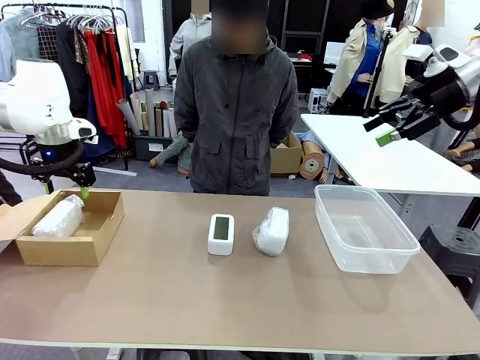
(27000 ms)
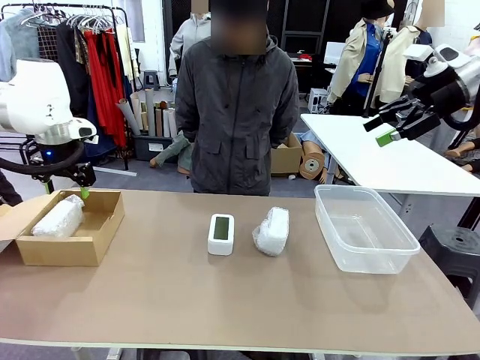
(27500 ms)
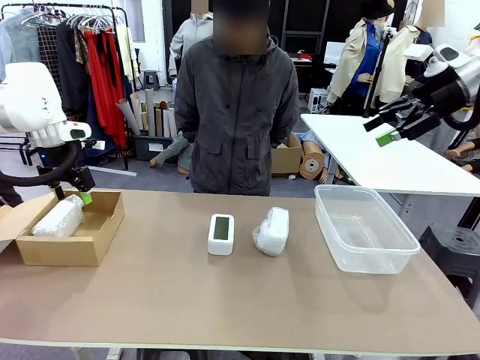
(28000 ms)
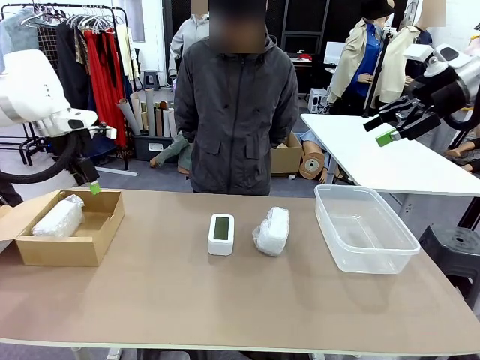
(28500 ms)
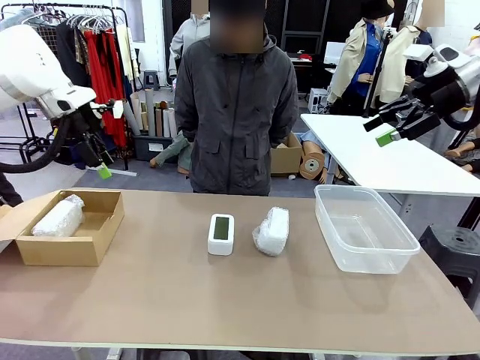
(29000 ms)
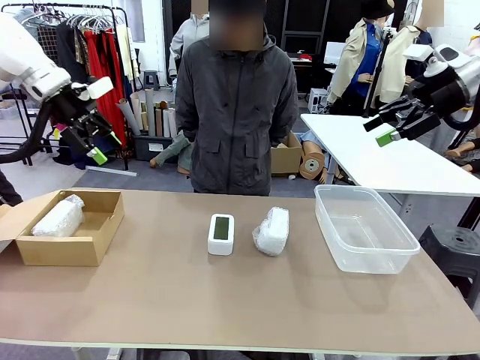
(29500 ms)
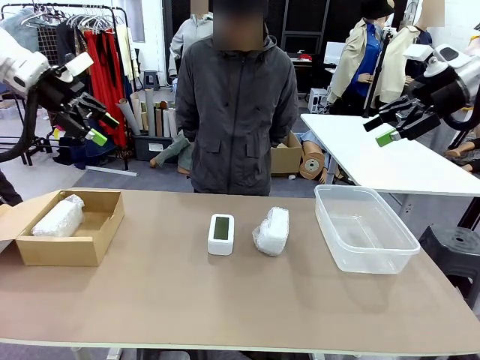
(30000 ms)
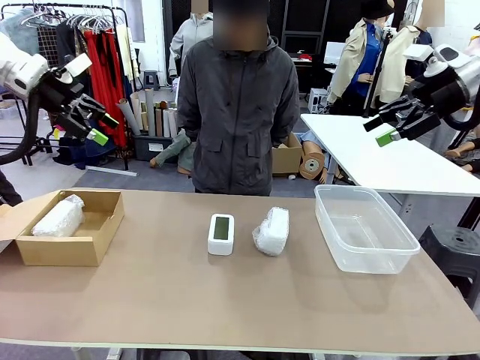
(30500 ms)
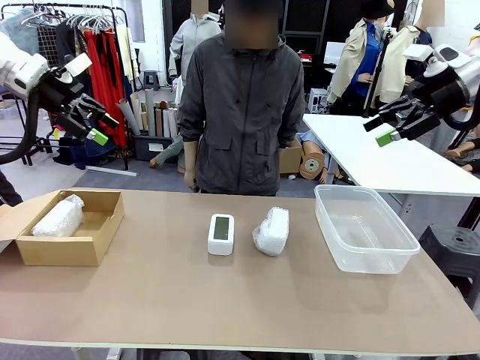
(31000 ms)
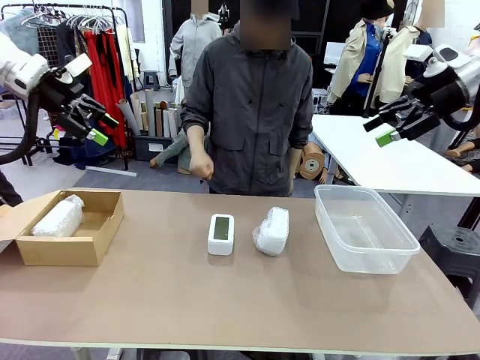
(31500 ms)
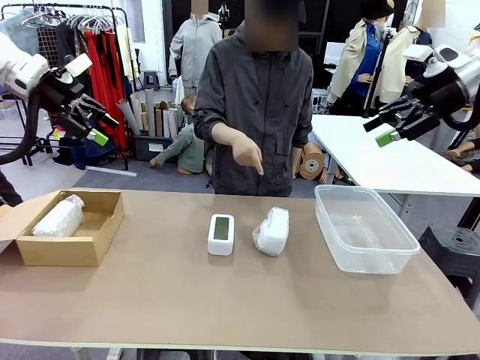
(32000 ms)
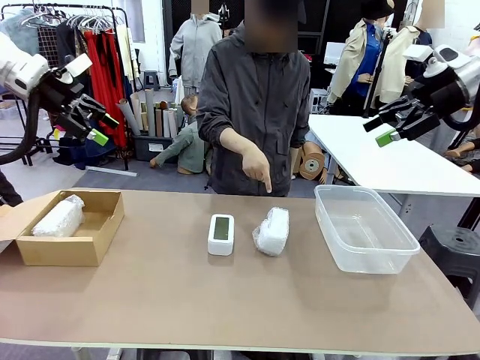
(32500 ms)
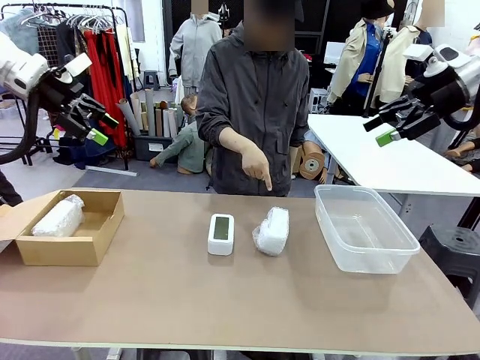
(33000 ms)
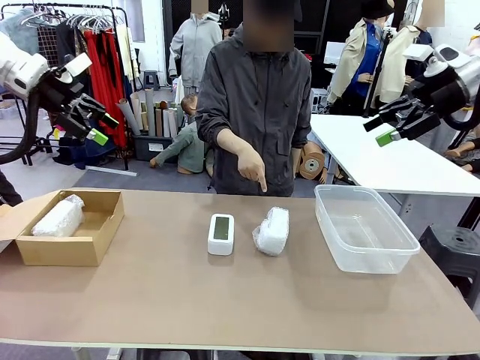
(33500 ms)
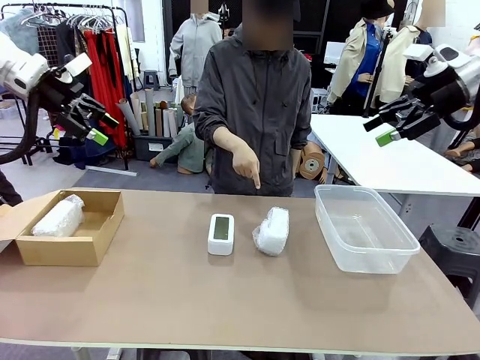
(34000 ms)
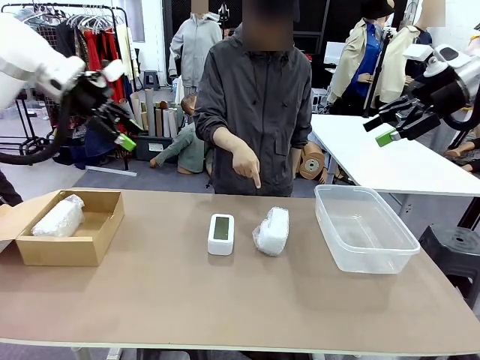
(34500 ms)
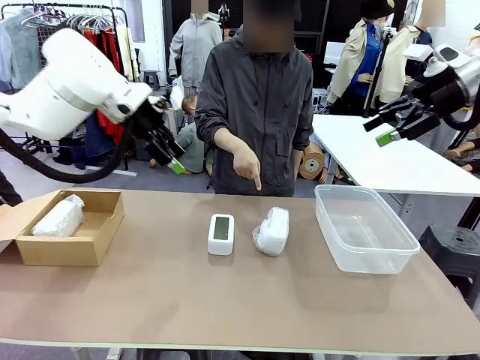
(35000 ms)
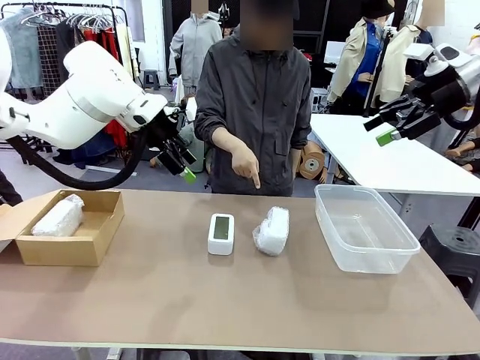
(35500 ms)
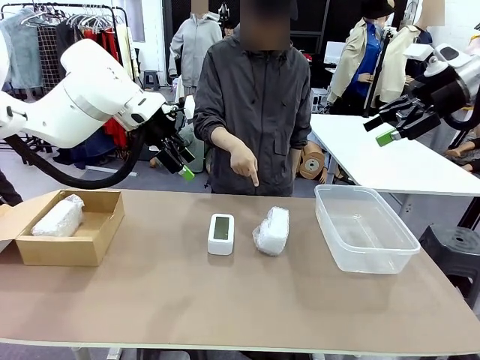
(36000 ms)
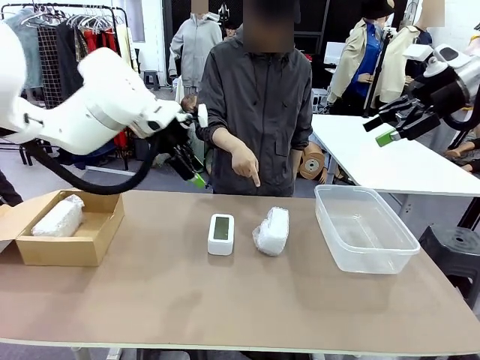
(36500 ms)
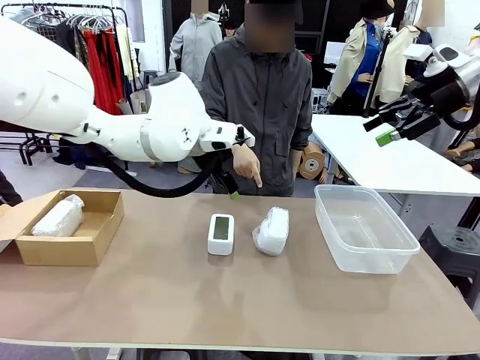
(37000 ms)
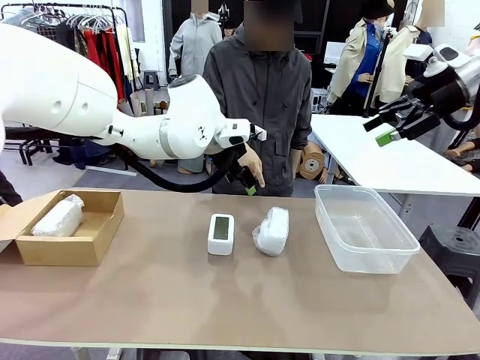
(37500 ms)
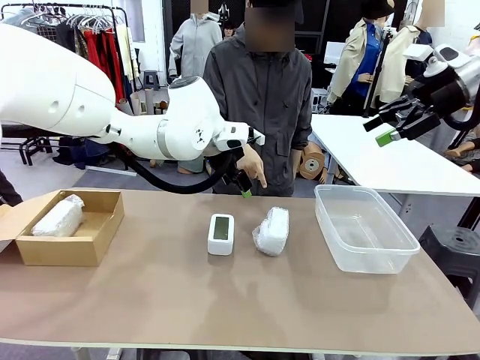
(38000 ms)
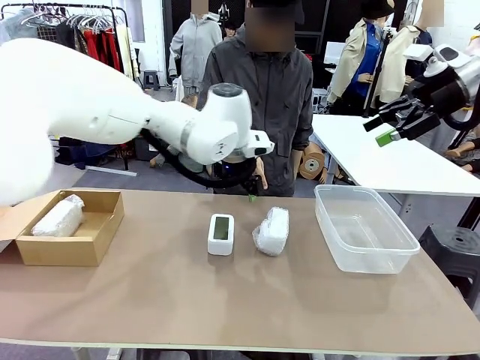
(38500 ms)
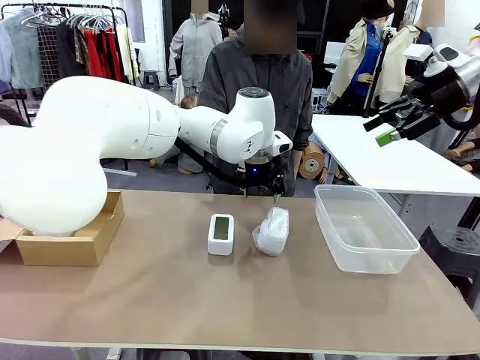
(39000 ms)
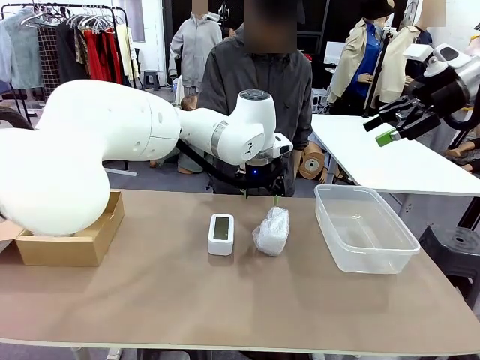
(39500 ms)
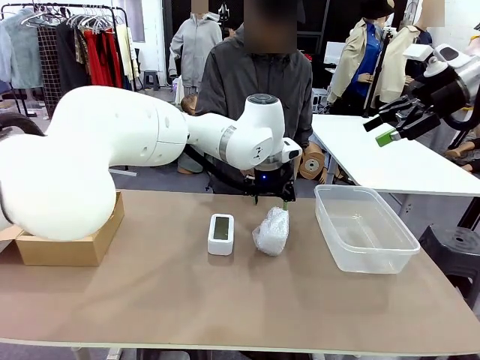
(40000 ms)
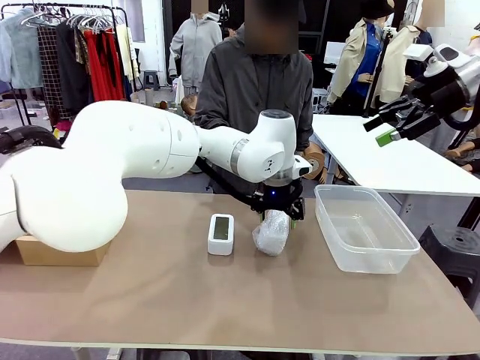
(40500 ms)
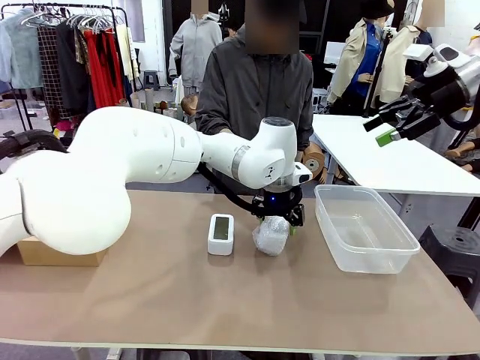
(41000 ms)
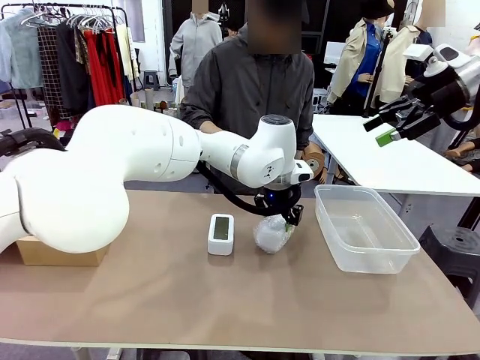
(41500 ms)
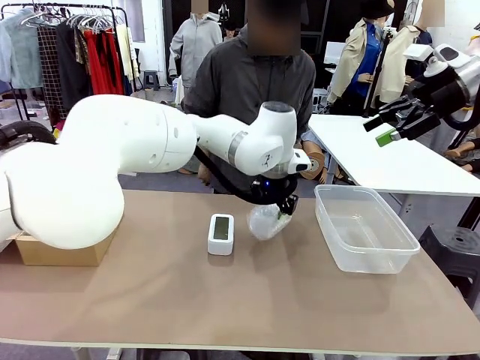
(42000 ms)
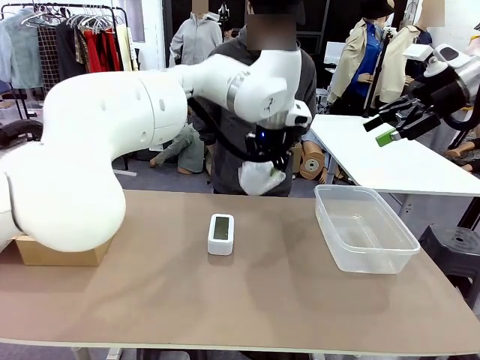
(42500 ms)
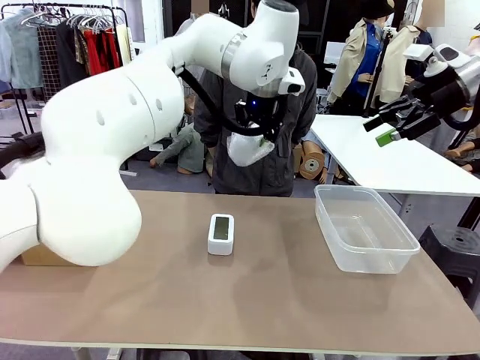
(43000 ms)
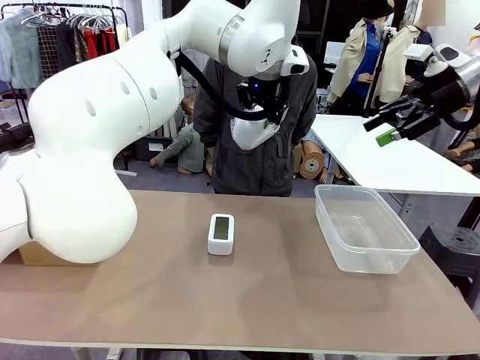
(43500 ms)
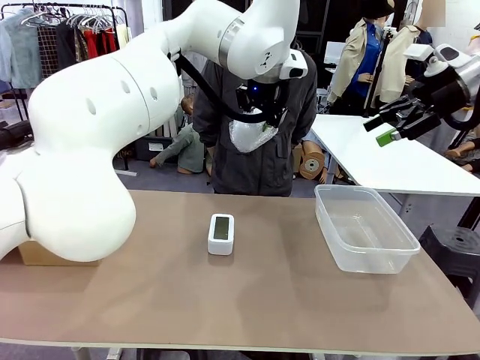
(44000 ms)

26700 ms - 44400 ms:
Task: Separate and place wrapped and unwrapped clocks.
Robot: Pick up the Digital clock indicated by the person.

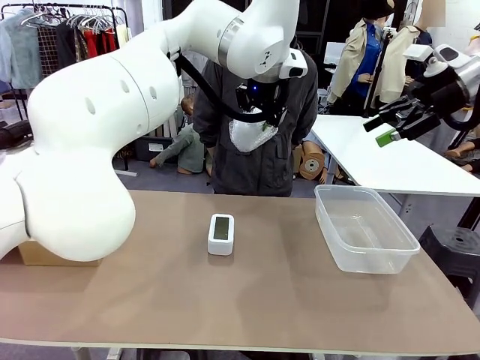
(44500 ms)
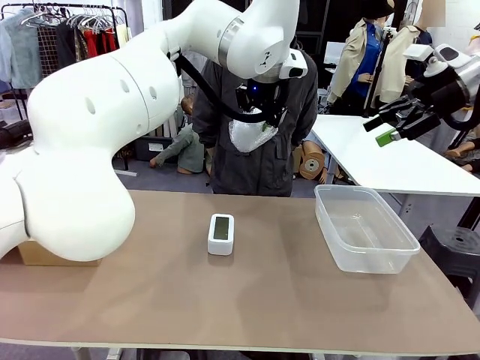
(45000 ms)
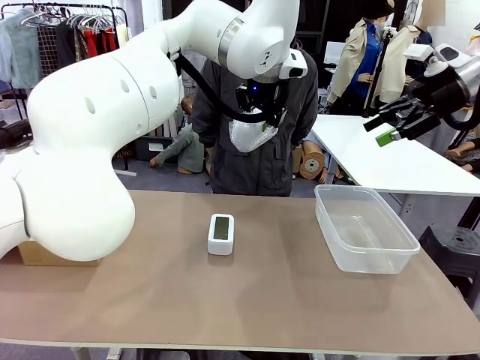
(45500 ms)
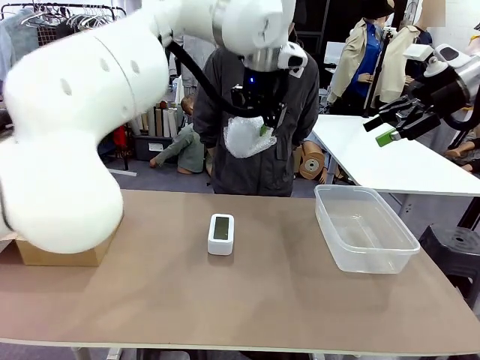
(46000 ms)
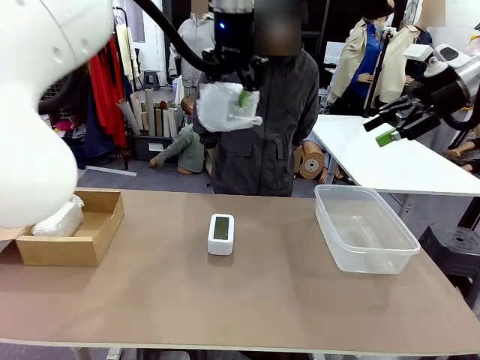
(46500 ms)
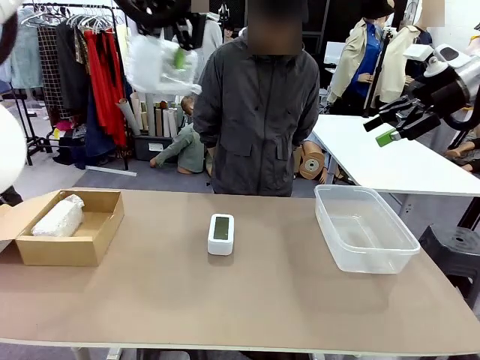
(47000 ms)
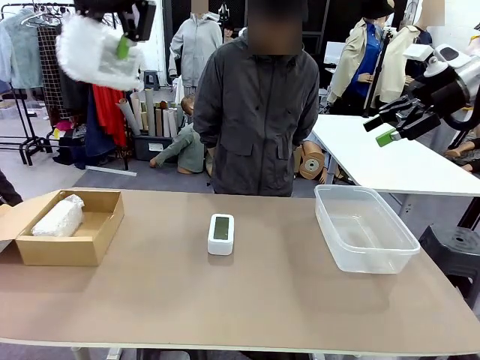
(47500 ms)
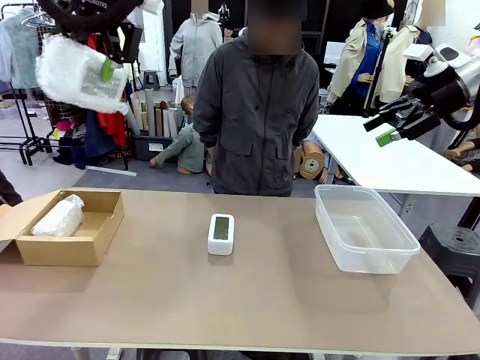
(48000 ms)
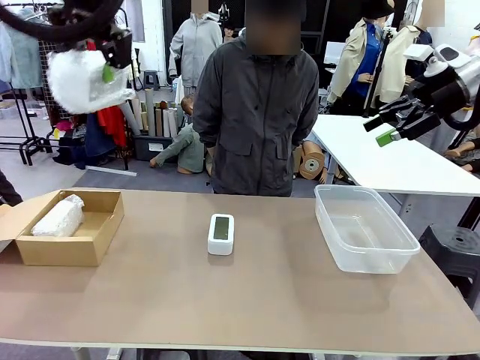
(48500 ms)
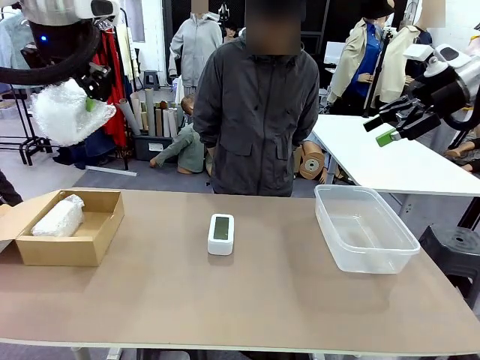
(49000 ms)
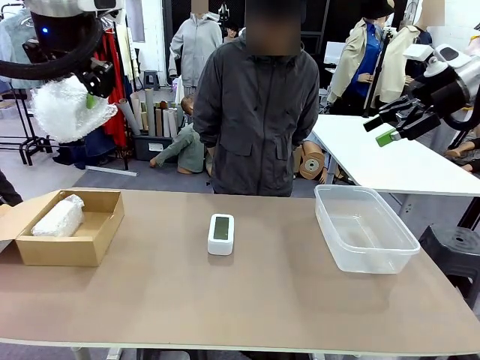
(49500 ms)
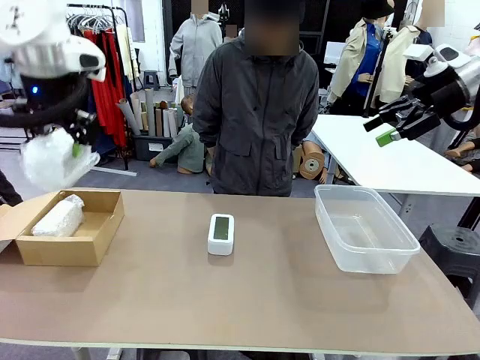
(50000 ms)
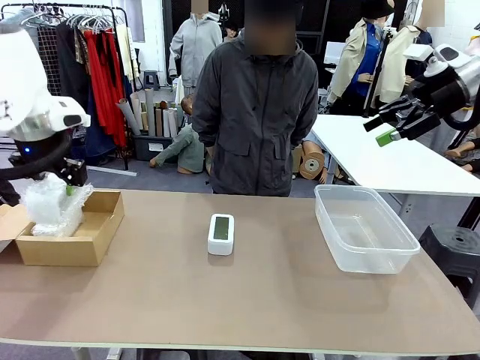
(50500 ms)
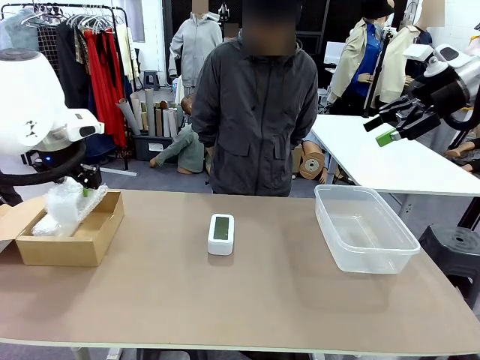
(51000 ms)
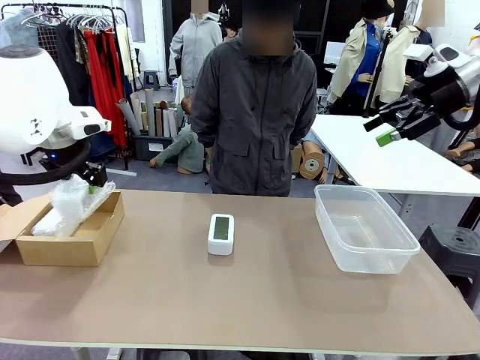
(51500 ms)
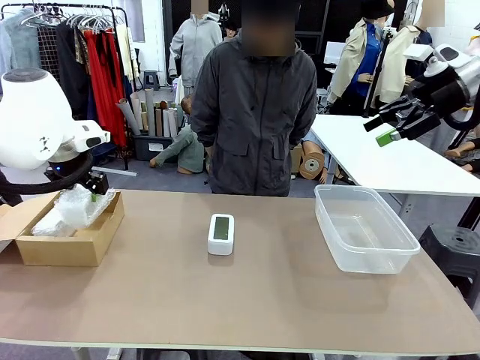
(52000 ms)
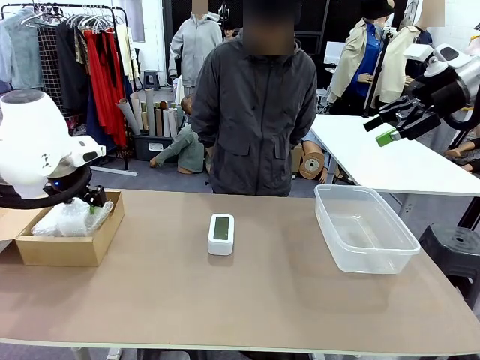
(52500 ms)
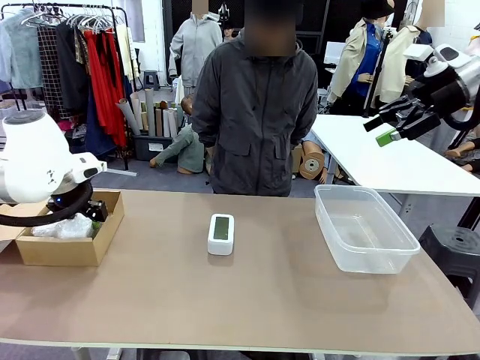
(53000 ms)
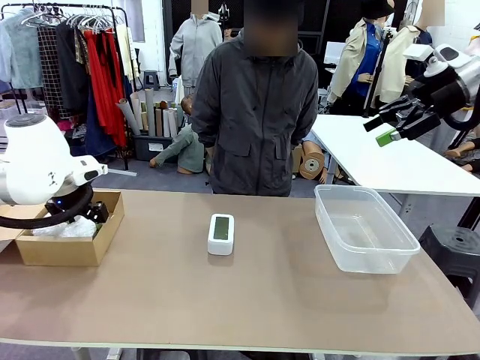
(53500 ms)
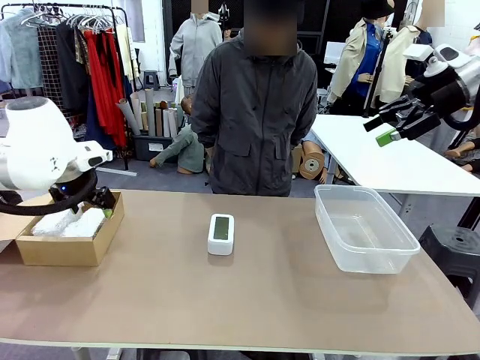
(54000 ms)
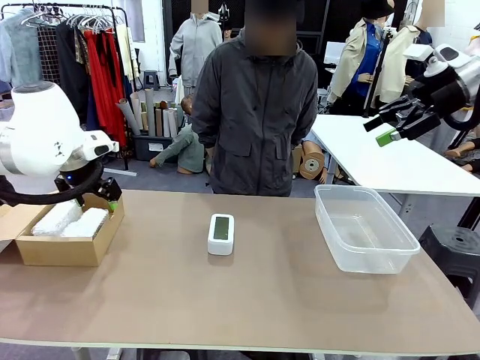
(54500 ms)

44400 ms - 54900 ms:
Robot: If the picked Digital clock is wrapped, place it in the Package Box ; if not, place it in the Organizing box.
